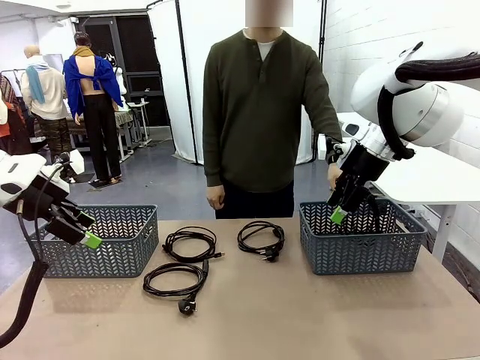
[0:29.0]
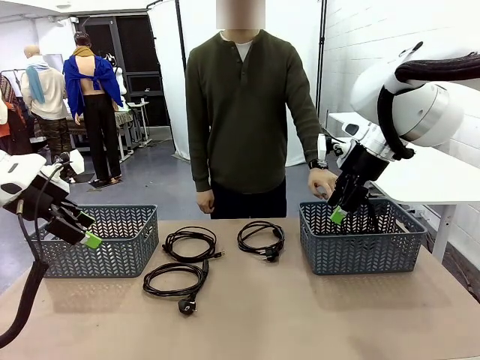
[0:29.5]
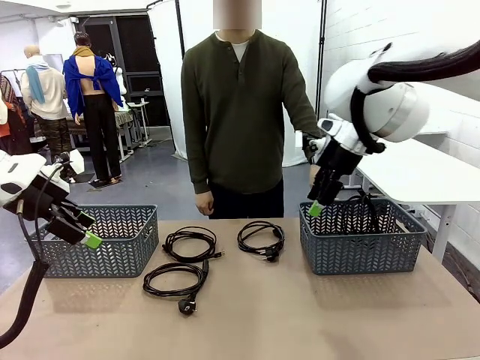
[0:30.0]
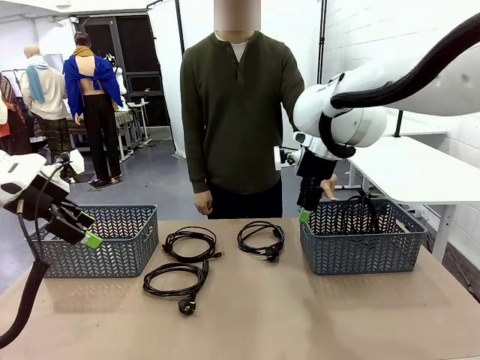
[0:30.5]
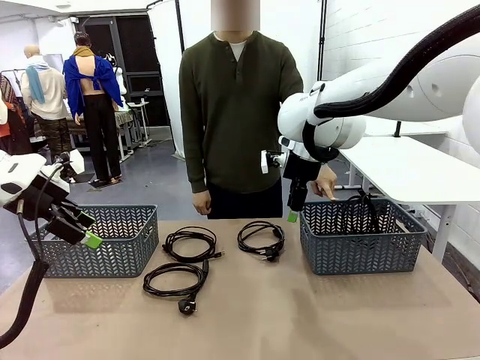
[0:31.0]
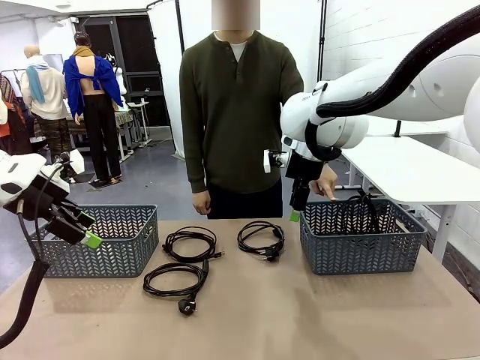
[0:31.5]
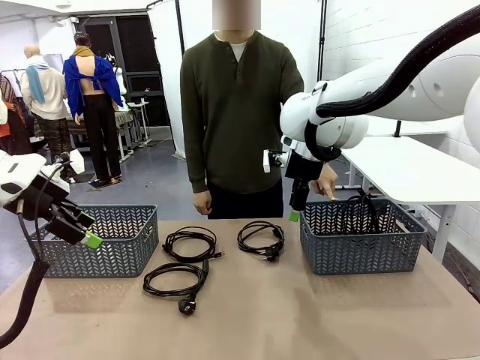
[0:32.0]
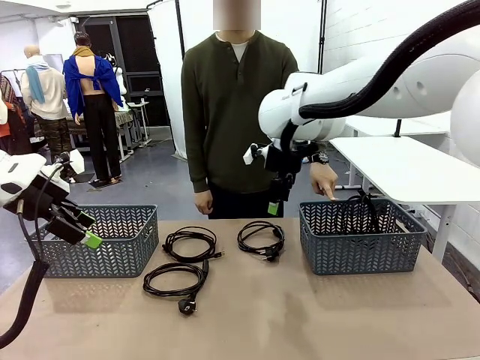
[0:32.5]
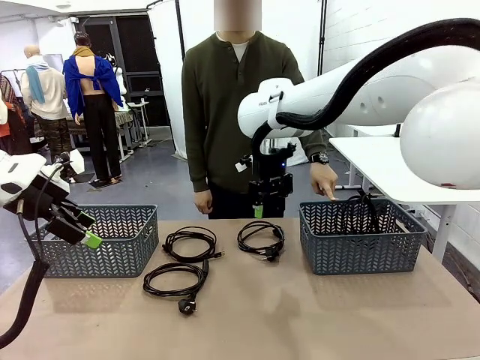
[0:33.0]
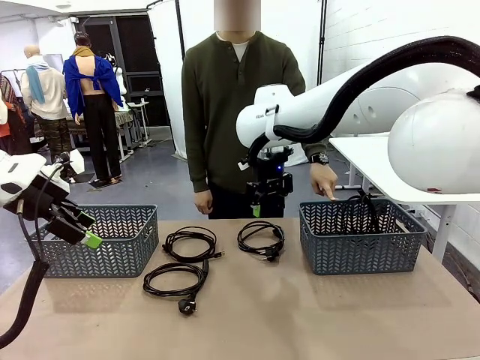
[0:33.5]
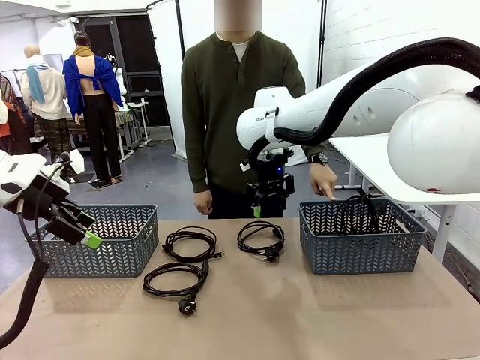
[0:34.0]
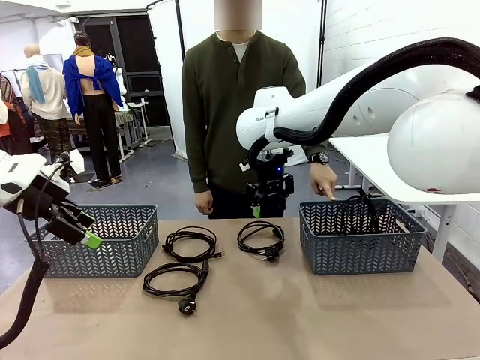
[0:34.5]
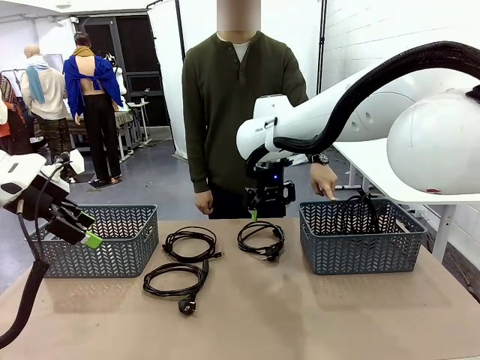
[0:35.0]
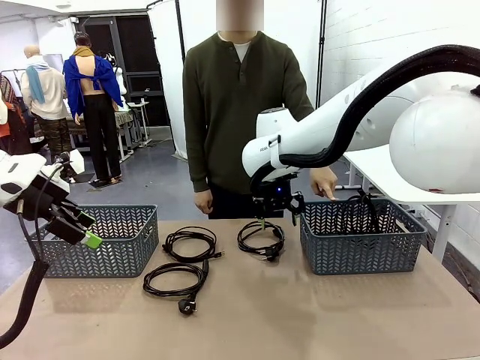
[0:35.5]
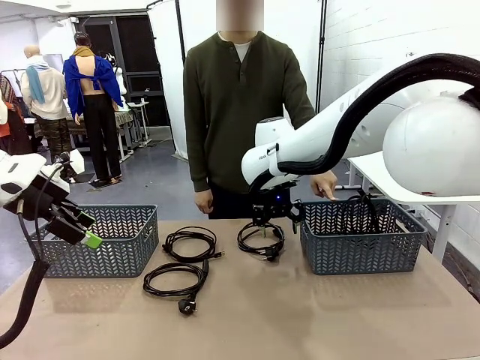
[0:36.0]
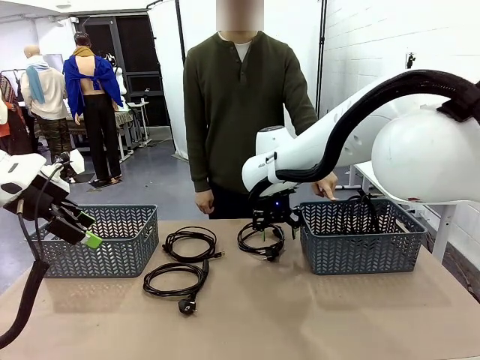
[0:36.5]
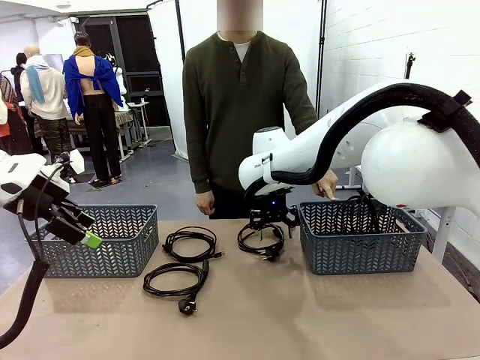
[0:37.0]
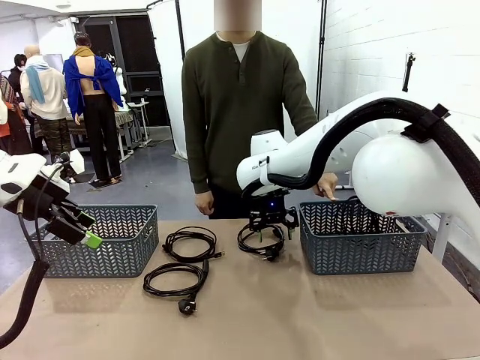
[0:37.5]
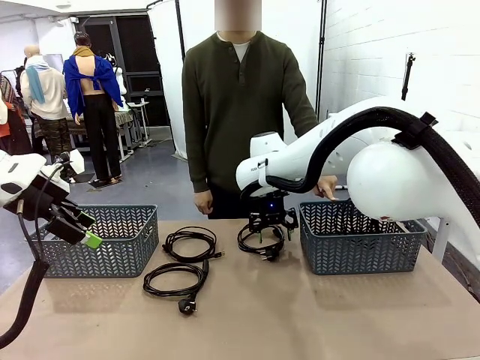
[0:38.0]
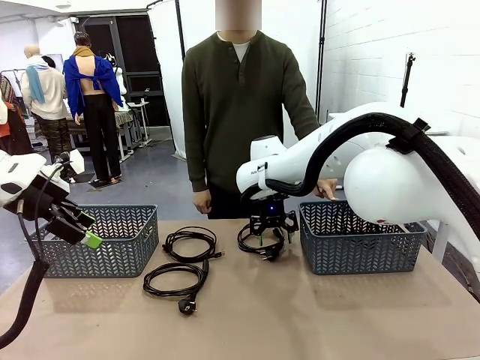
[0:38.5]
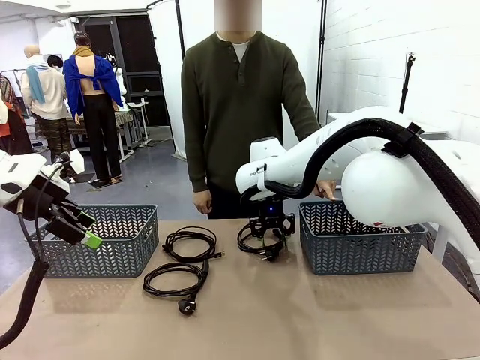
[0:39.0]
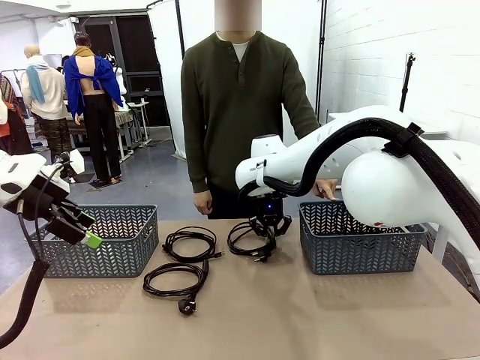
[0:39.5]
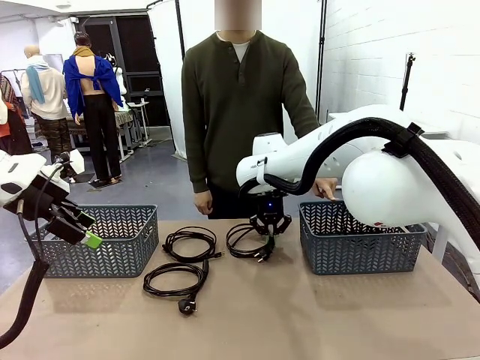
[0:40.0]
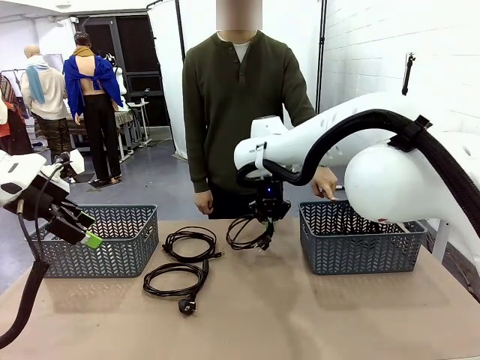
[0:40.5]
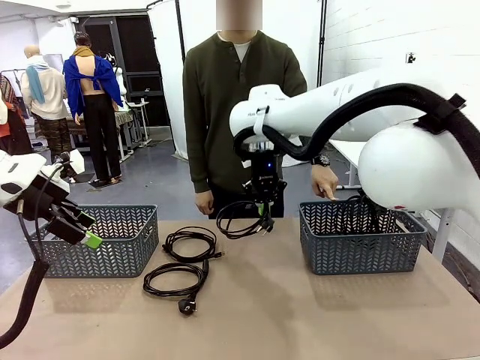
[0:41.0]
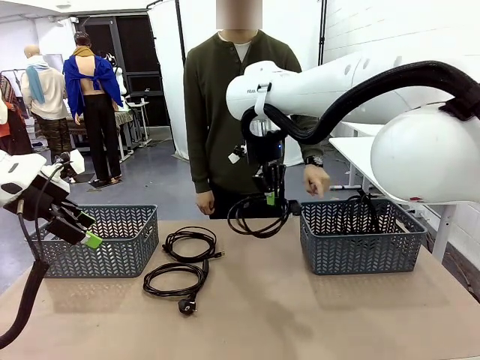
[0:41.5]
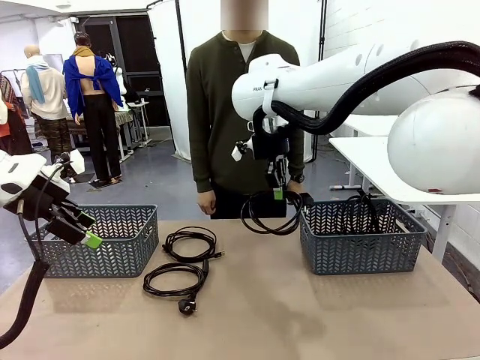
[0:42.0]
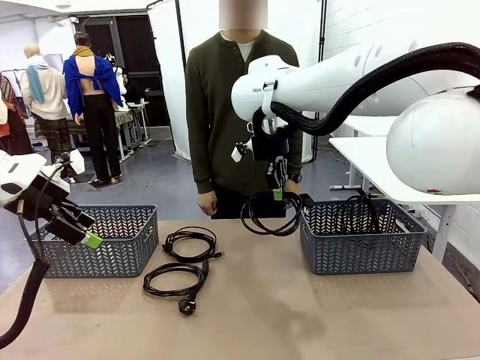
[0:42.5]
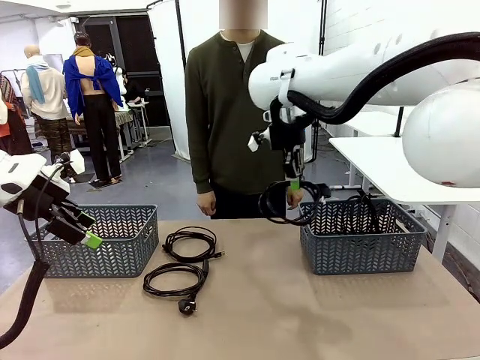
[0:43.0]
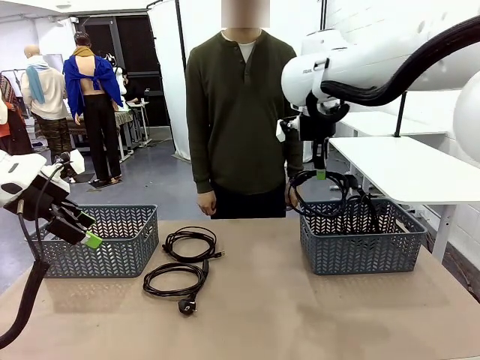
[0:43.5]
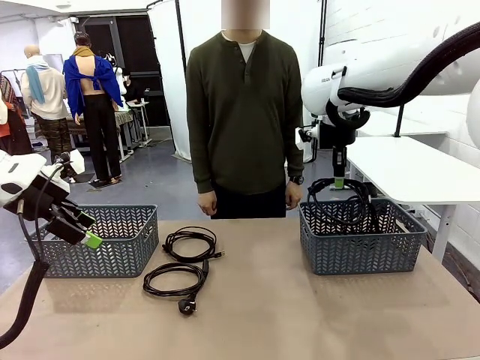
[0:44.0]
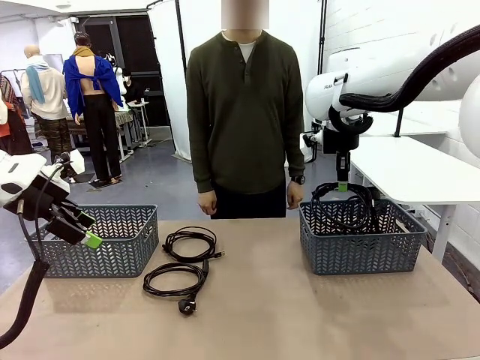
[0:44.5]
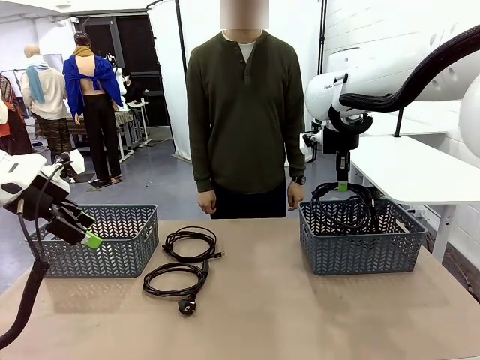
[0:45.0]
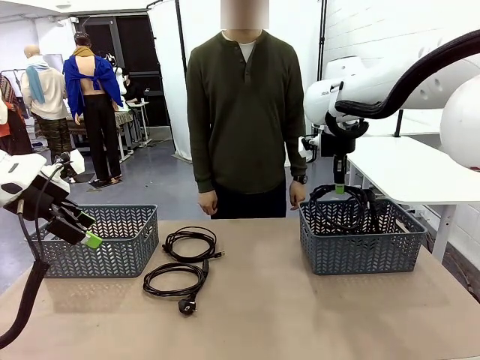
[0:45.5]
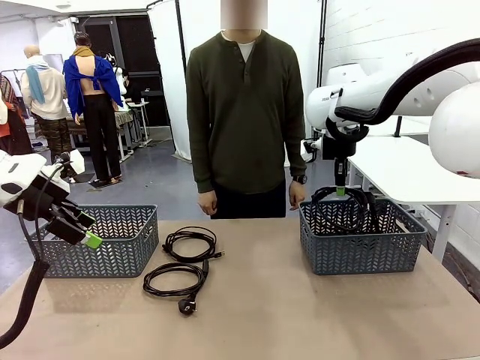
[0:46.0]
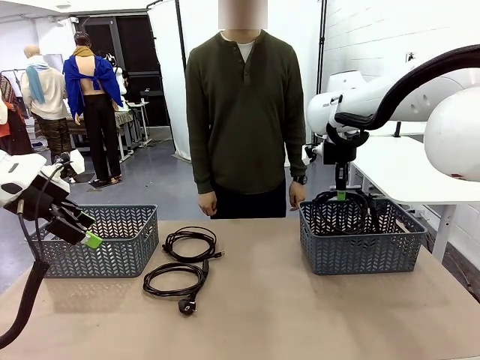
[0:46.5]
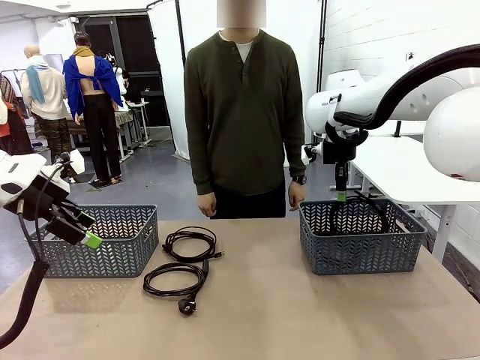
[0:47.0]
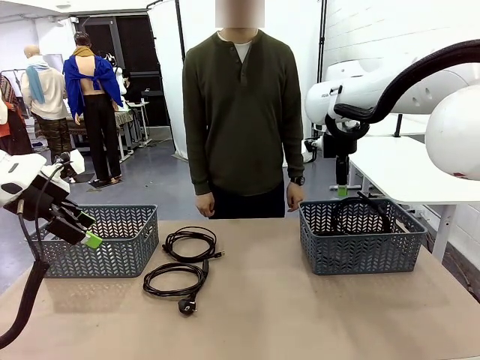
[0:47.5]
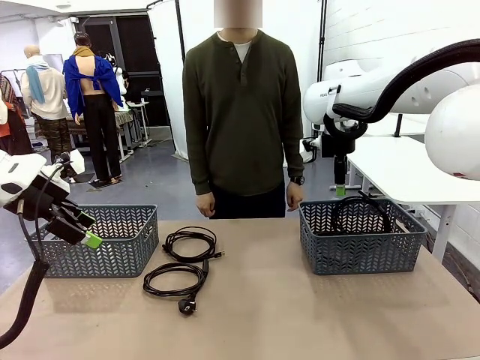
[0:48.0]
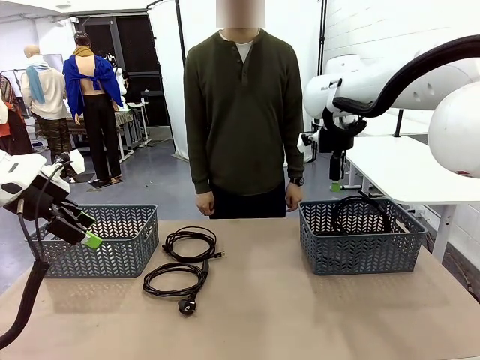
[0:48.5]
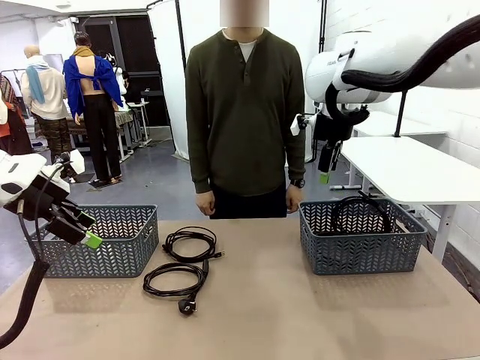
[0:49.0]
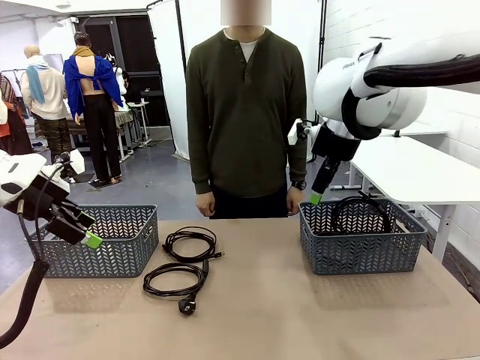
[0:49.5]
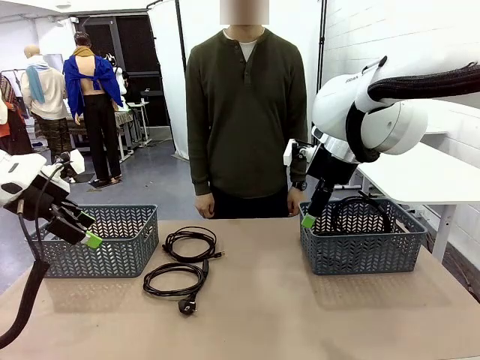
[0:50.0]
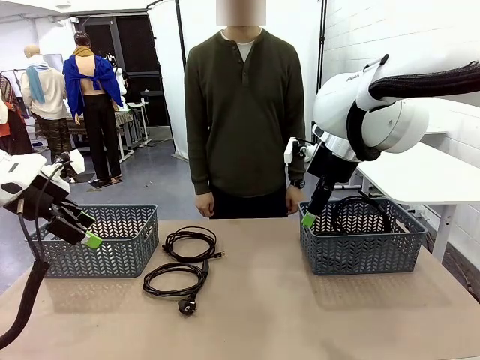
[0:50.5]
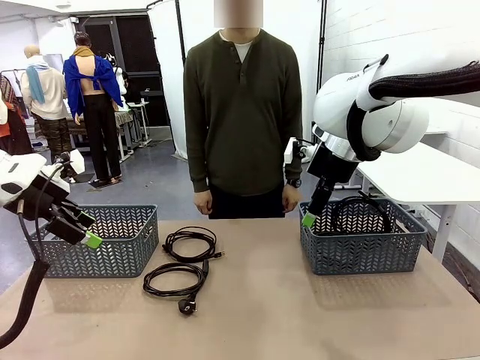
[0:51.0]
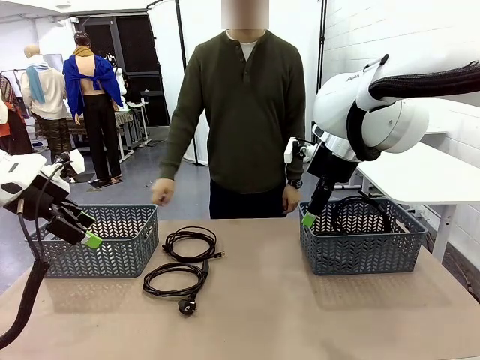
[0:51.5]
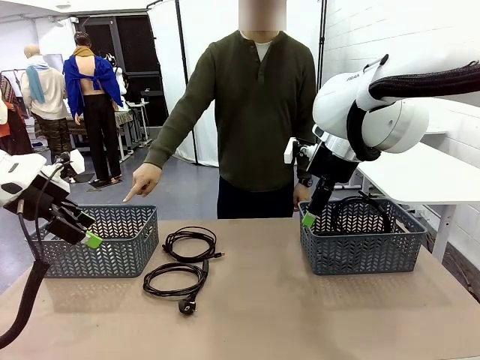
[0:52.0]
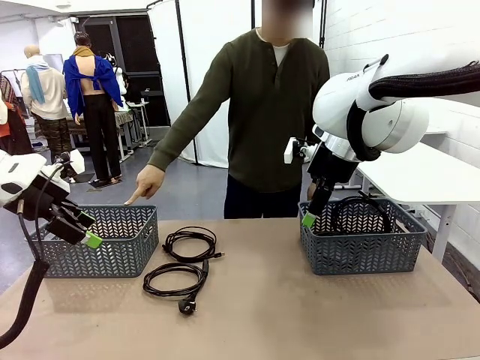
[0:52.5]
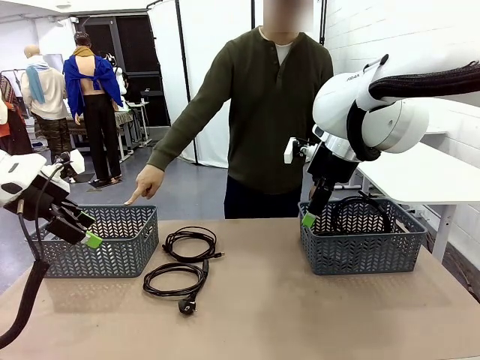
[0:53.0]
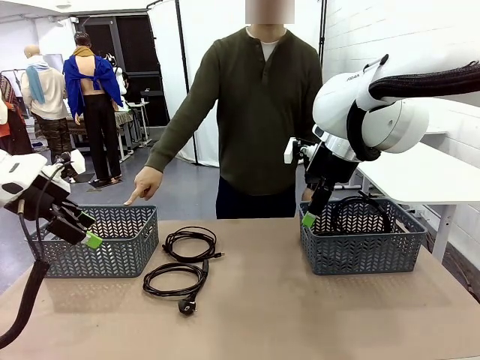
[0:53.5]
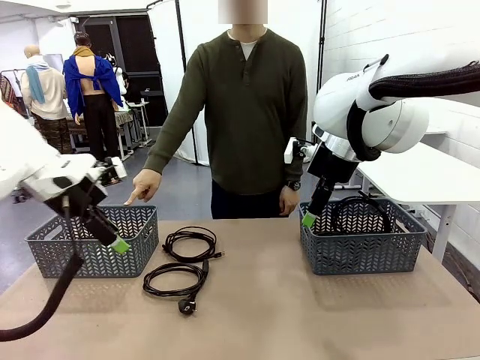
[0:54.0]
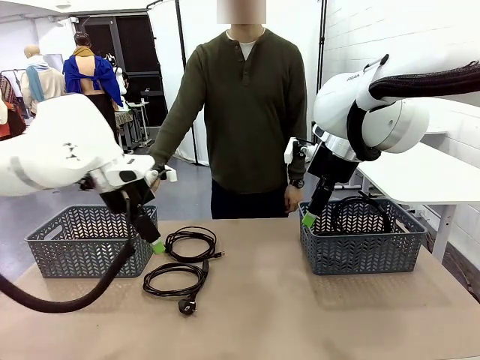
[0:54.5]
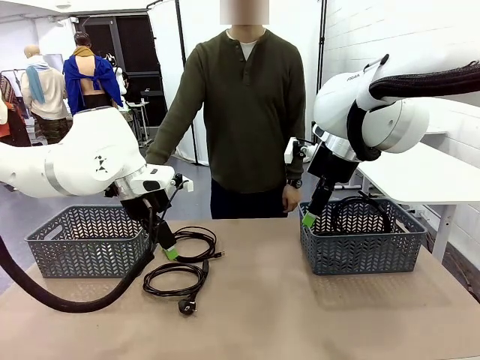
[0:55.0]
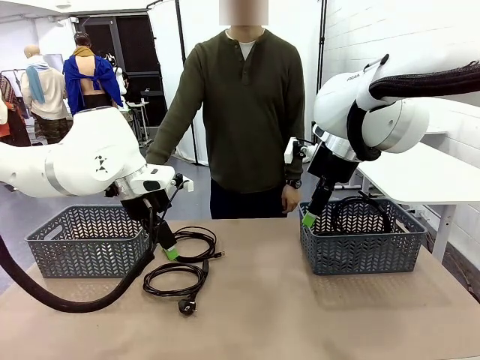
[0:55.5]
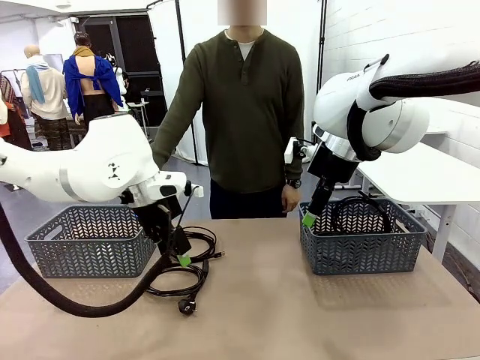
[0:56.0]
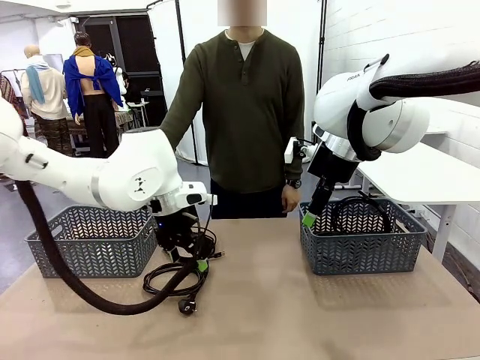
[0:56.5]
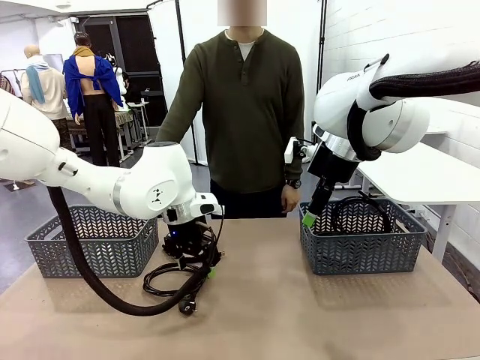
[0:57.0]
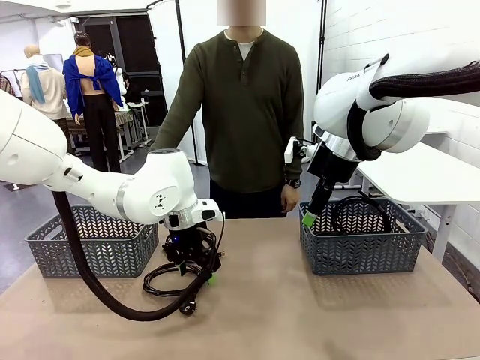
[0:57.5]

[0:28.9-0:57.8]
Task: Organize the cables according to human instructions.
Robot: Pick up a bundle of cables and place it in the basket indicated by the human.
